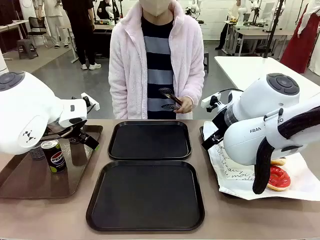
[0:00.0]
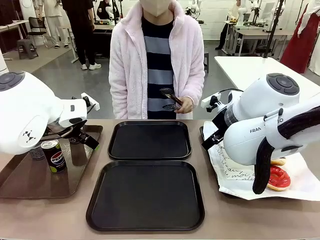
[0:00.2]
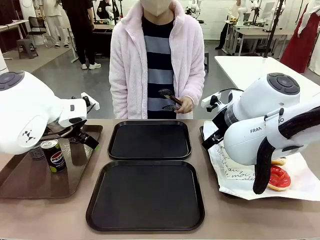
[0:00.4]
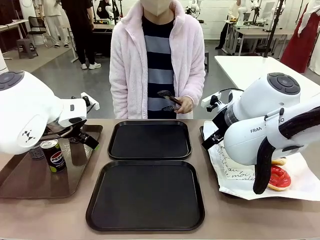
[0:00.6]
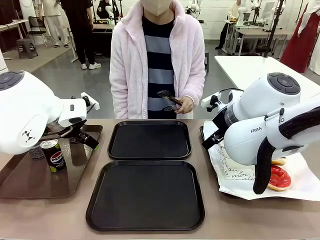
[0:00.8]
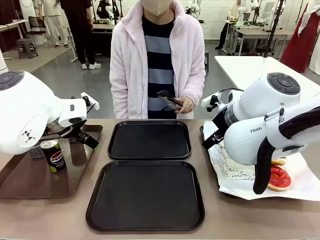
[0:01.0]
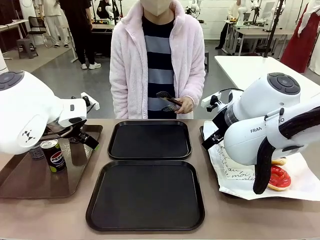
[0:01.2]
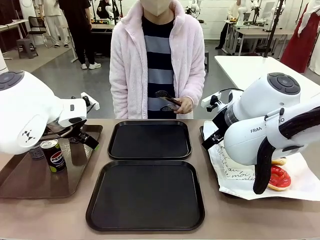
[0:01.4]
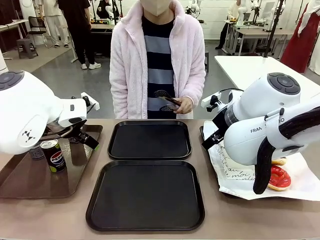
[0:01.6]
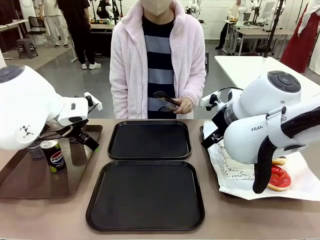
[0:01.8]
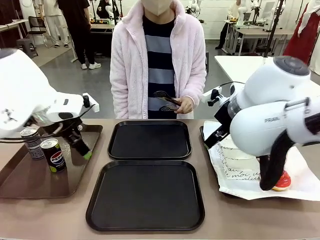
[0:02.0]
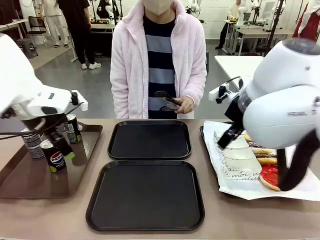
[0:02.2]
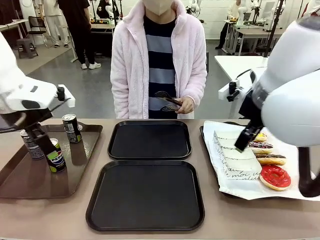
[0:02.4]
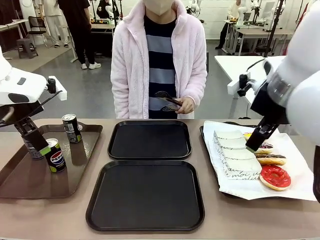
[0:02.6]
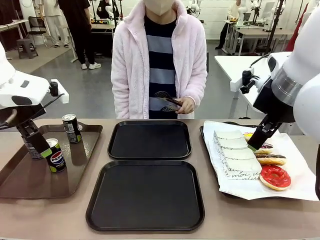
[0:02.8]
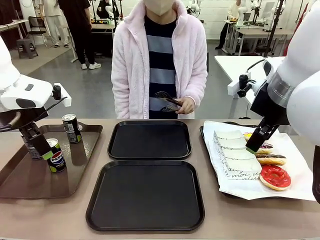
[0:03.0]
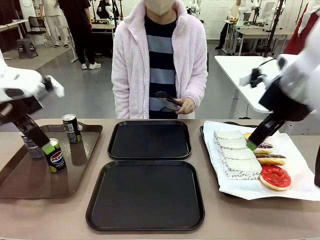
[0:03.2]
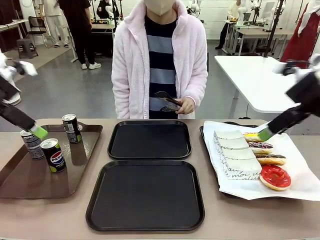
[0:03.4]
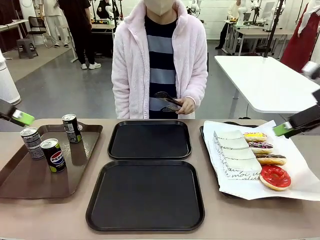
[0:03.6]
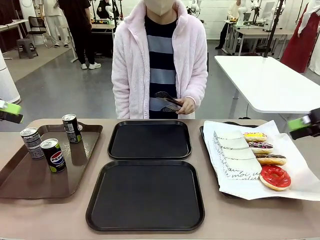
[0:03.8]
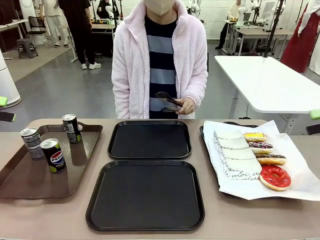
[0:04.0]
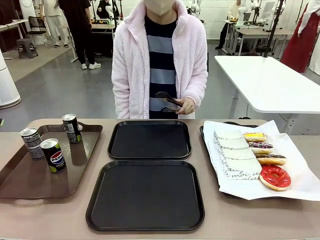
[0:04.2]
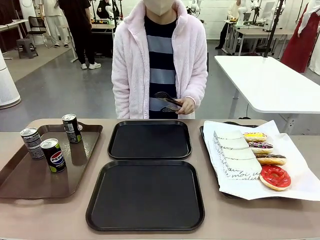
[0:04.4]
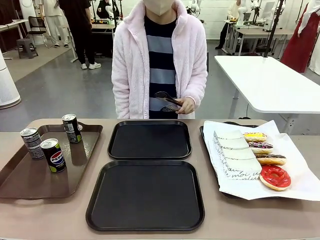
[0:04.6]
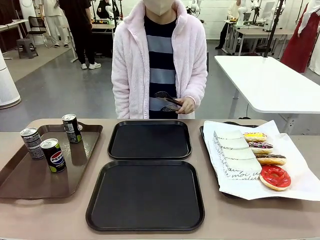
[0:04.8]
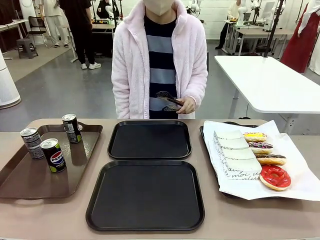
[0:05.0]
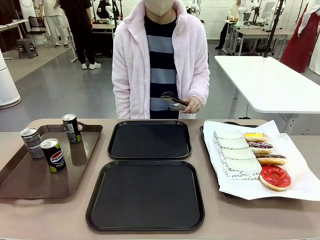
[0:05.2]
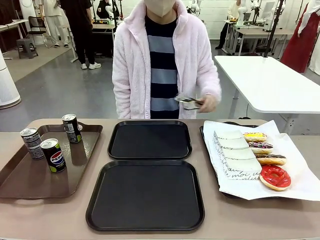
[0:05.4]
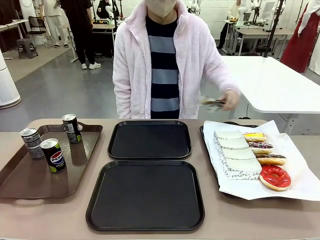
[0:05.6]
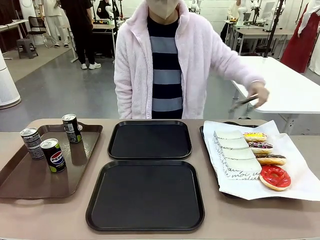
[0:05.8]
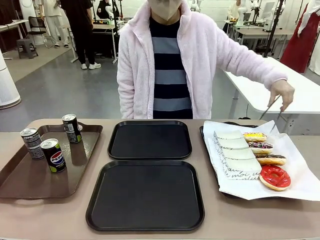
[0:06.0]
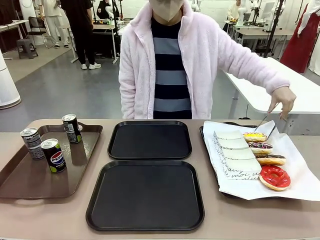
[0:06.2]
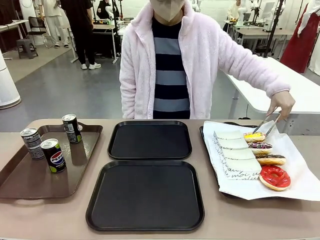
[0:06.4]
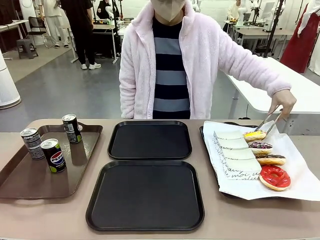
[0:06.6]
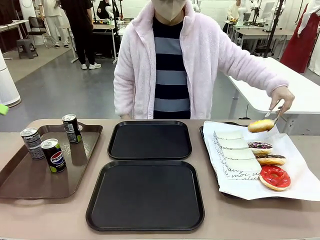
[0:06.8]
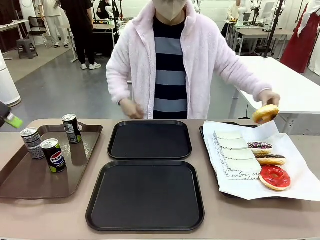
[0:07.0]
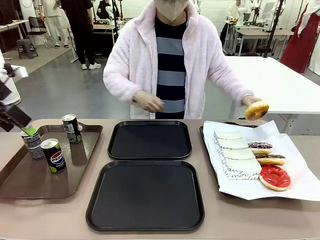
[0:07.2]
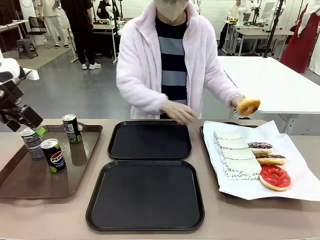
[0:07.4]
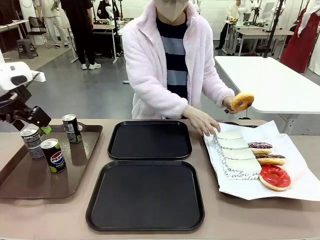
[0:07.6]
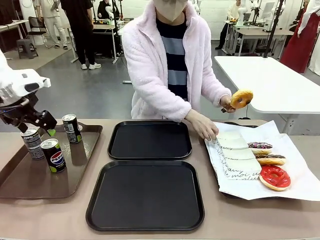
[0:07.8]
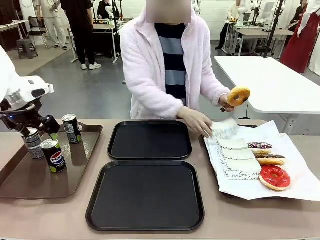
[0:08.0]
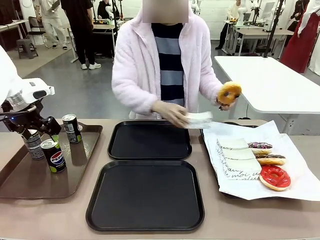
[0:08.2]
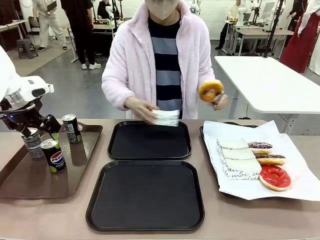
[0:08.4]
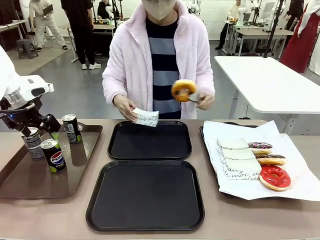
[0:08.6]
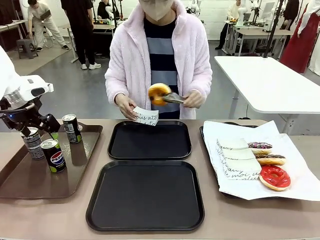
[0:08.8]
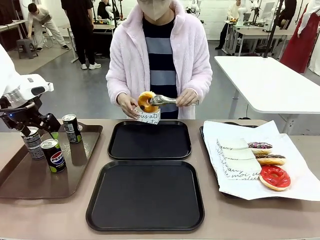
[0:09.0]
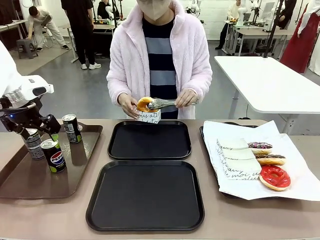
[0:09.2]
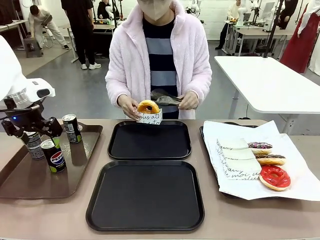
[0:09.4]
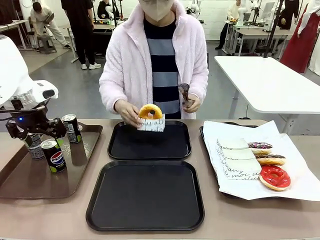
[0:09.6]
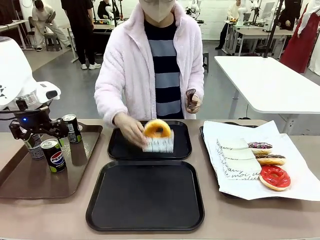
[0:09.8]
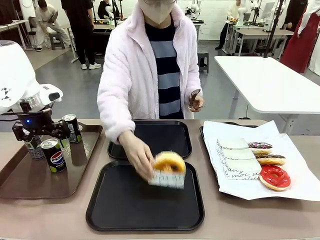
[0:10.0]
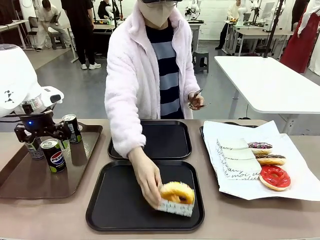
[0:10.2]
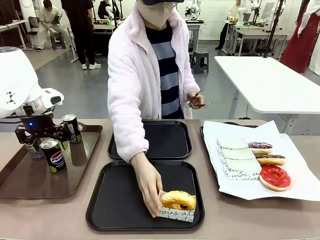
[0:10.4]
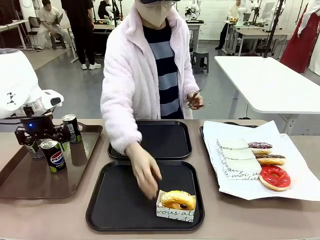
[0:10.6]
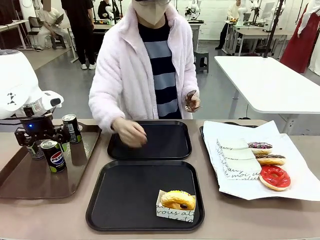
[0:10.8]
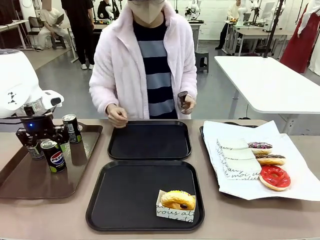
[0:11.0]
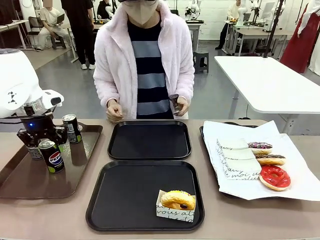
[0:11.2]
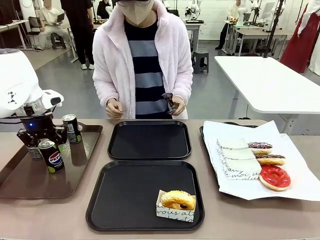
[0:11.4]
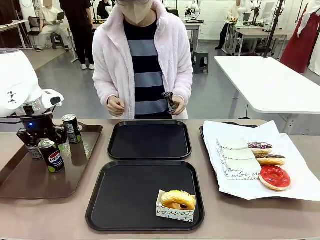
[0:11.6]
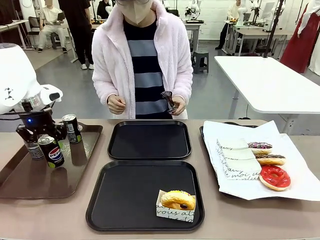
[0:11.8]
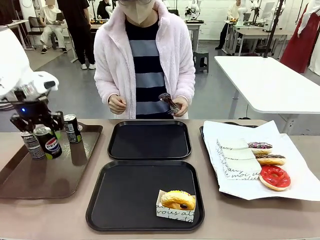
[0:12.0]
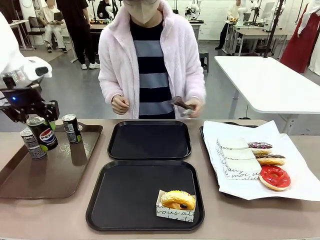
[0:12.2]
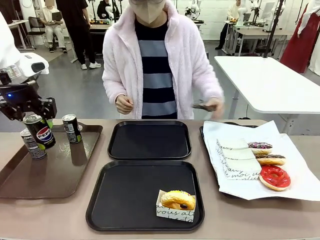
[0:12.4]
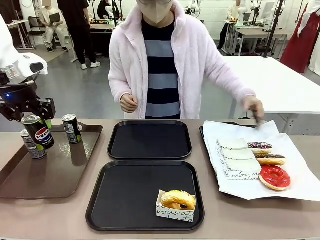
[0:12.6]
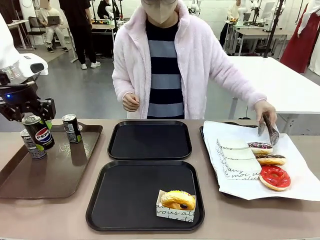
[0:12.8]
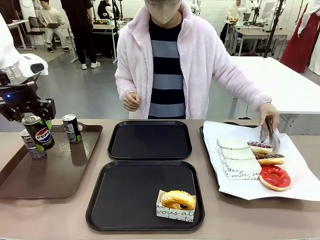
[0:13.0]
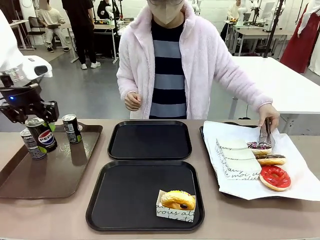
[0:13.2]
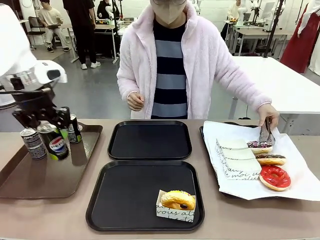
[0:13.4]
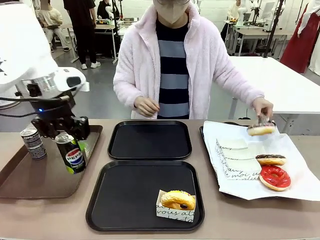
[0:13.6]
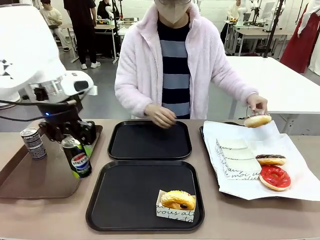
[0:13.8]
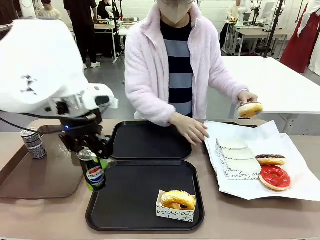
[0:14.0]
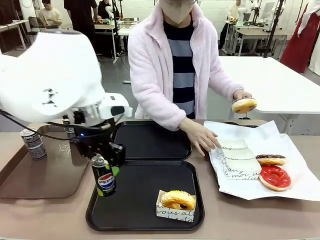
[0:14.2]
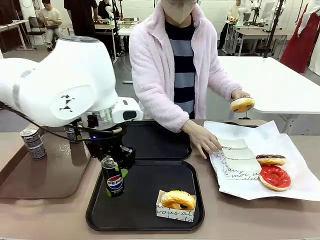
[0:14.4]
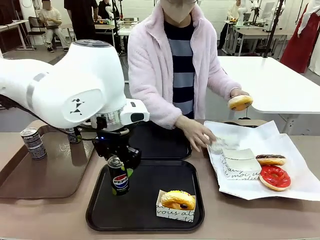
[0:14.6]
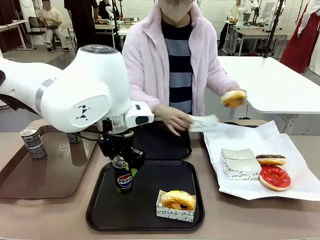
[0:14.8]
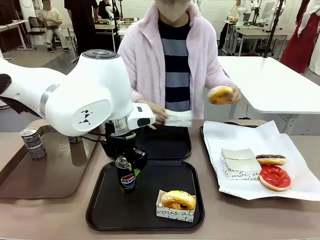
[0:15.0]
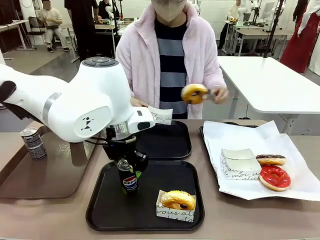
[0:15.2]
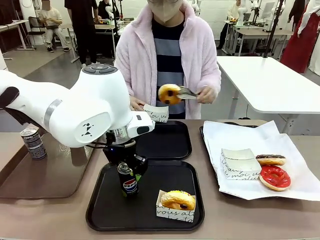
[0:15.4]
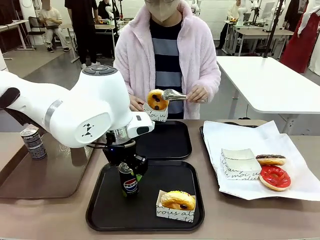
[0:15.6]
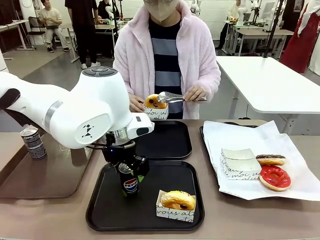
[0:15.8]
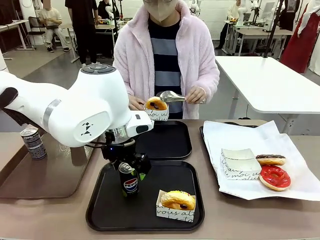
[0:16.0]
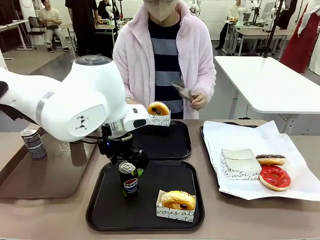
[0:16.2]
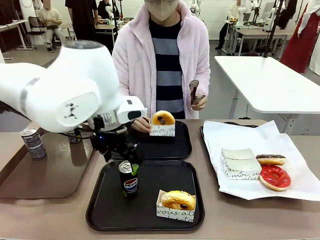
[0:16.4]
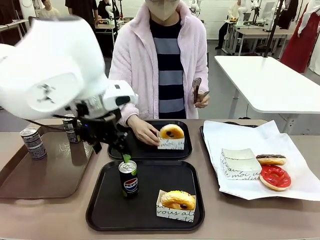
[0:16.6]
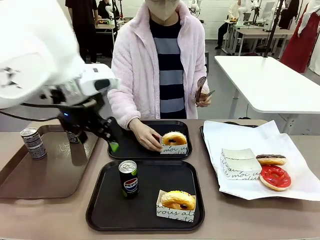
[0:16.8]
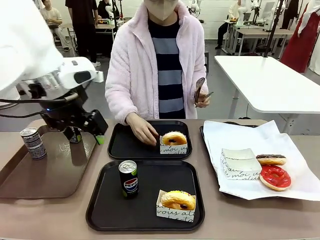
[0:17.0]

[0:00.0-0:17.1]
Task: Set up donuts and drinks on trays.
Robot: Pick up one Pepsi coke and place it on the Flat Tray.
